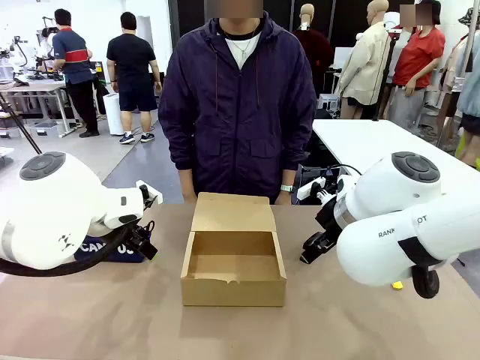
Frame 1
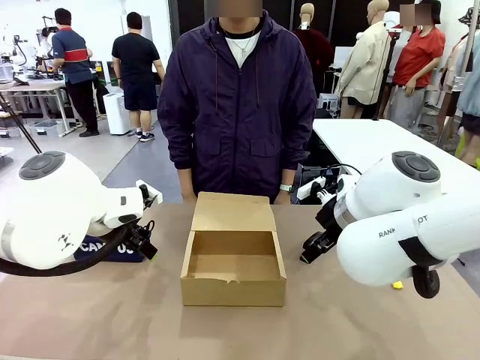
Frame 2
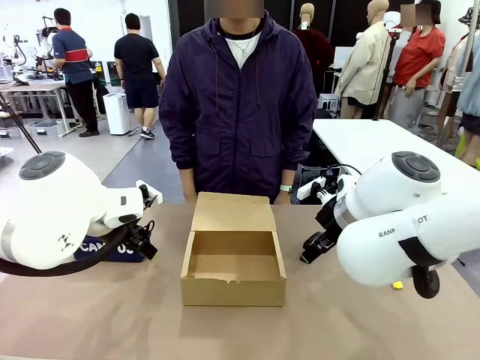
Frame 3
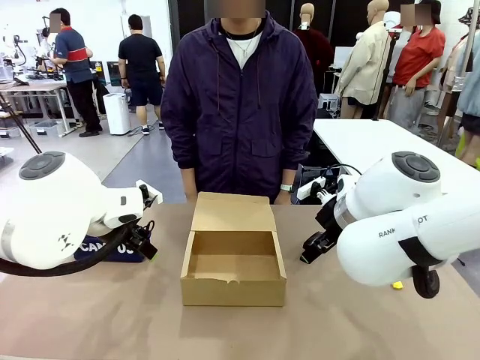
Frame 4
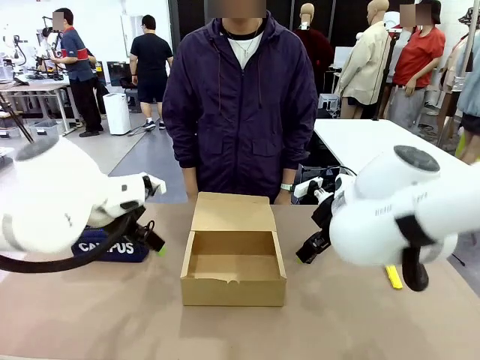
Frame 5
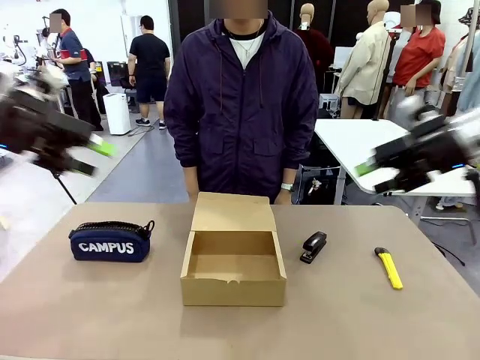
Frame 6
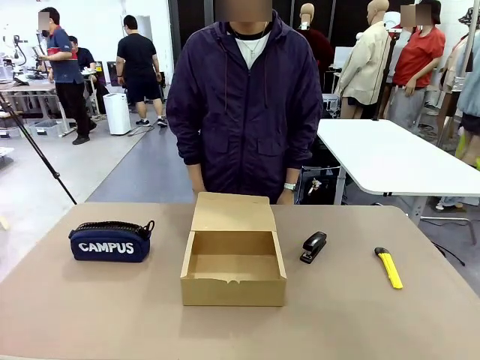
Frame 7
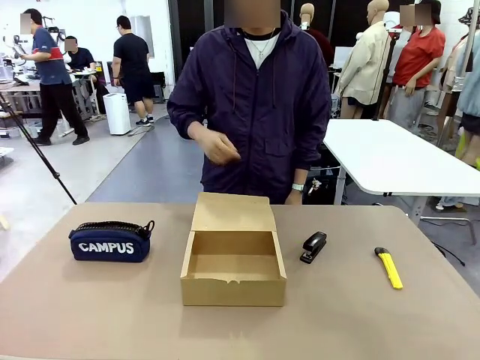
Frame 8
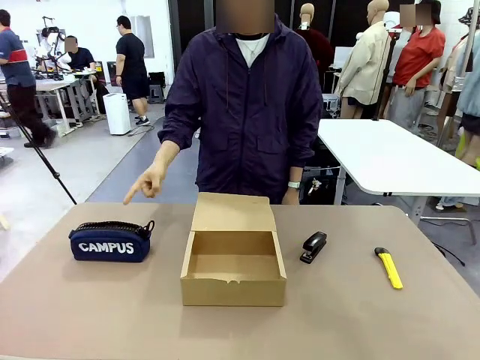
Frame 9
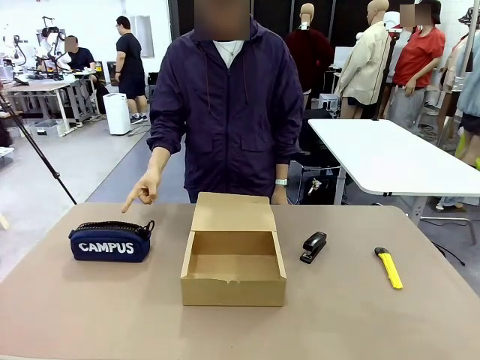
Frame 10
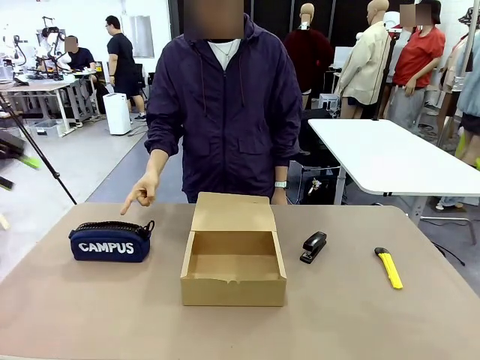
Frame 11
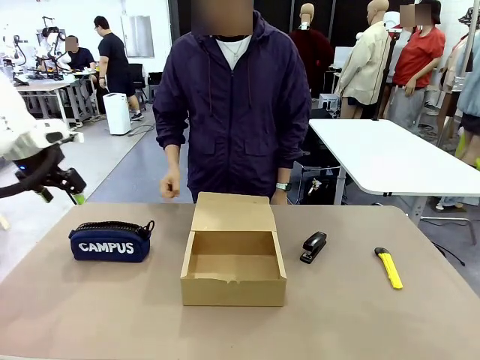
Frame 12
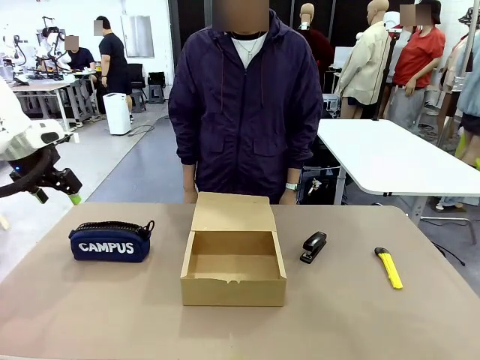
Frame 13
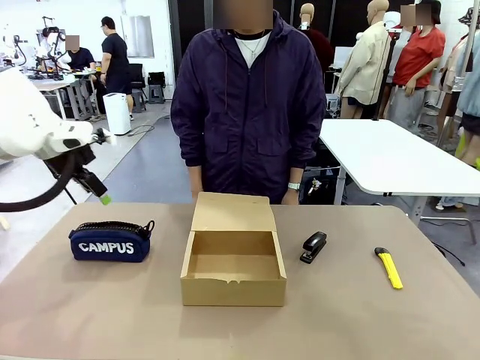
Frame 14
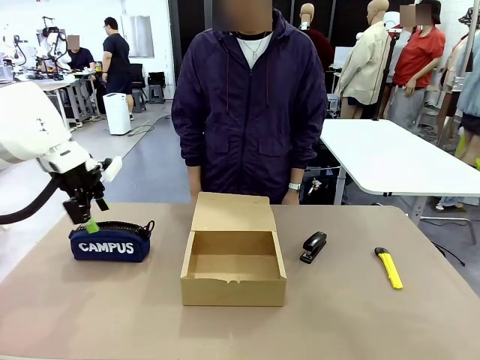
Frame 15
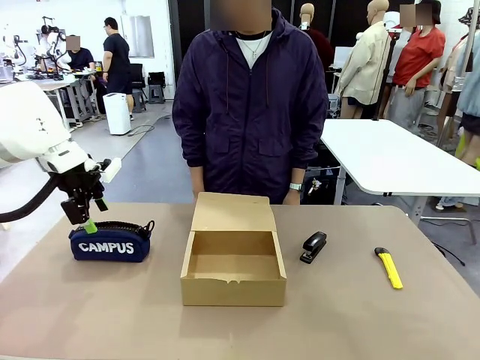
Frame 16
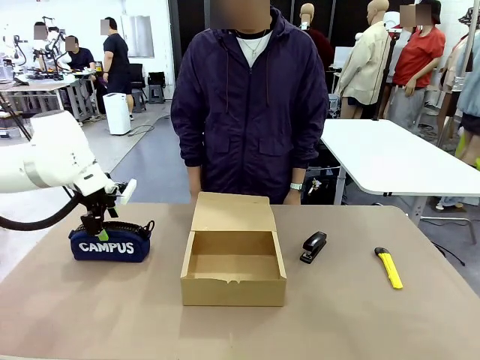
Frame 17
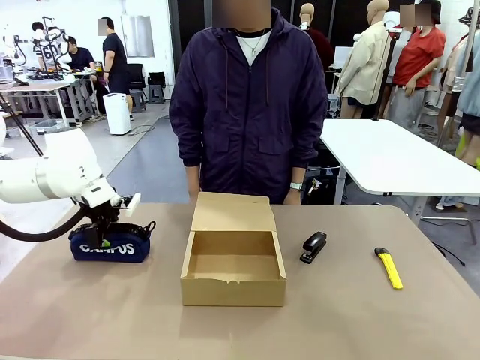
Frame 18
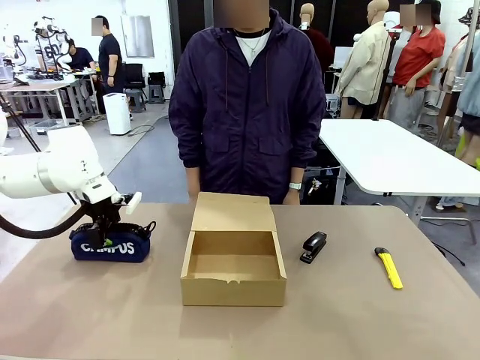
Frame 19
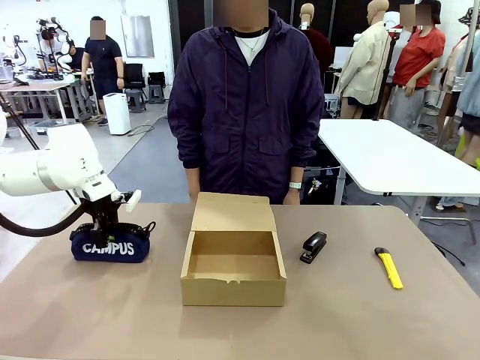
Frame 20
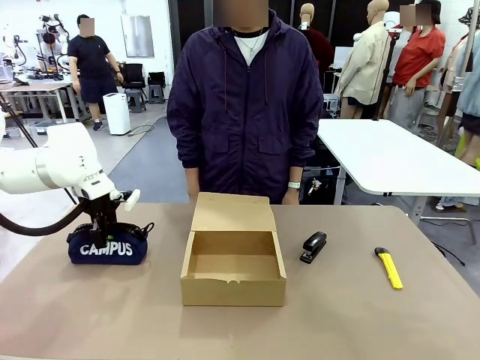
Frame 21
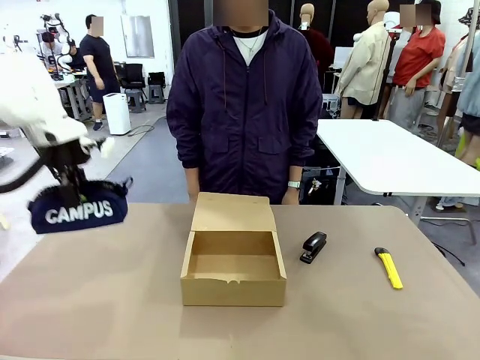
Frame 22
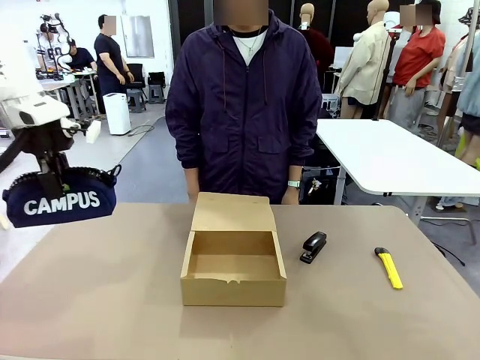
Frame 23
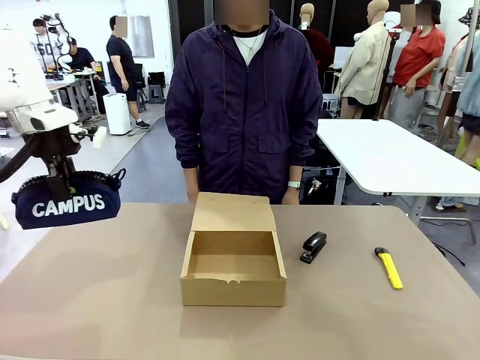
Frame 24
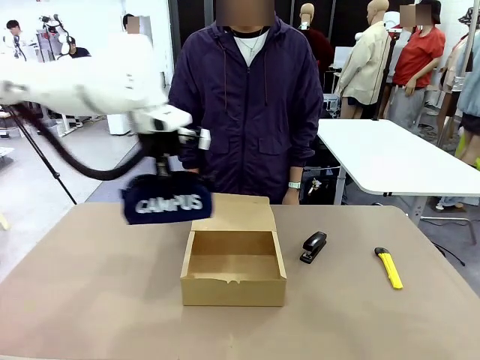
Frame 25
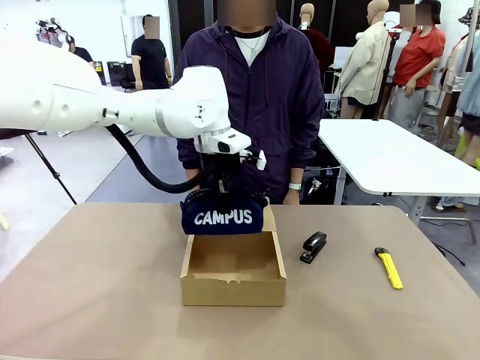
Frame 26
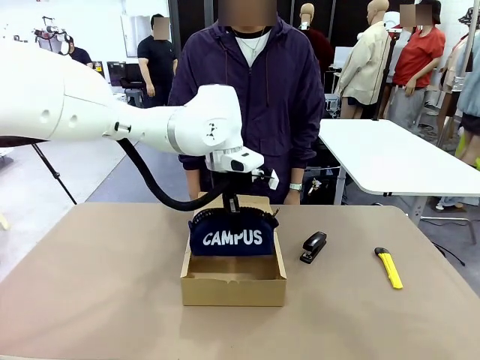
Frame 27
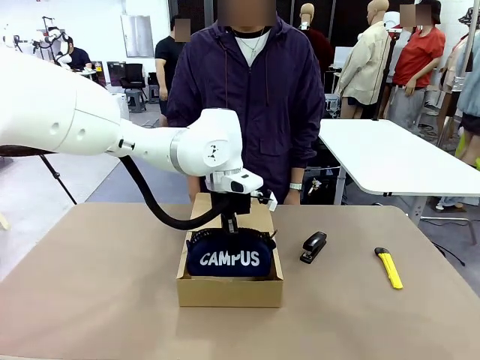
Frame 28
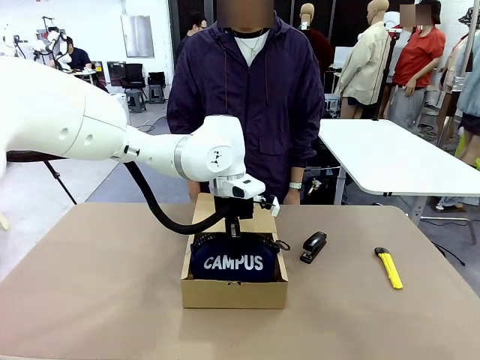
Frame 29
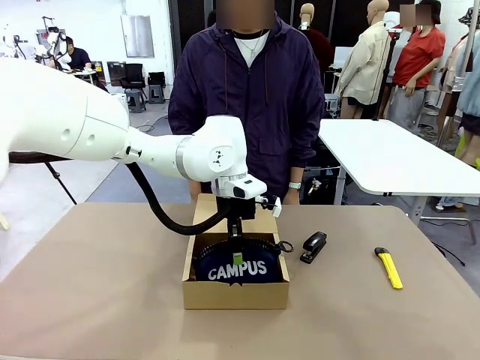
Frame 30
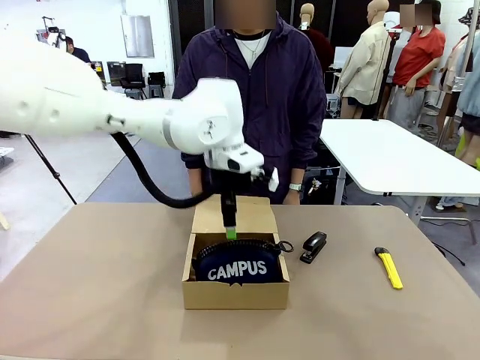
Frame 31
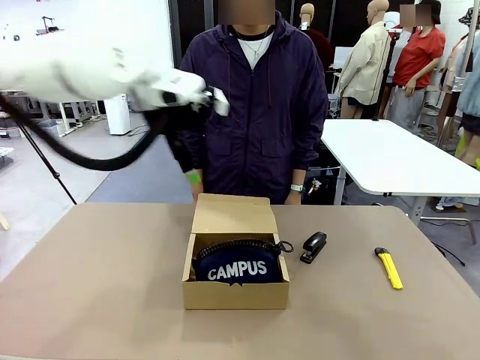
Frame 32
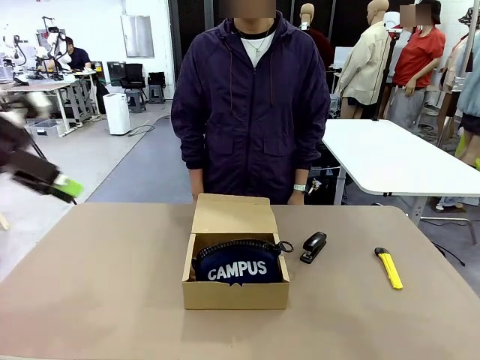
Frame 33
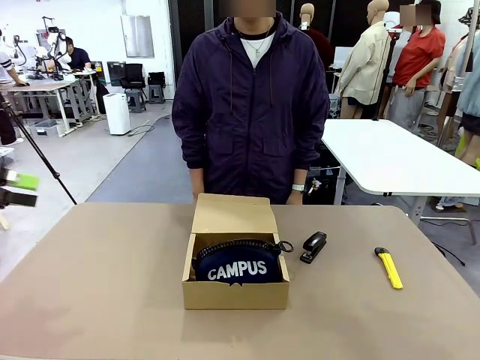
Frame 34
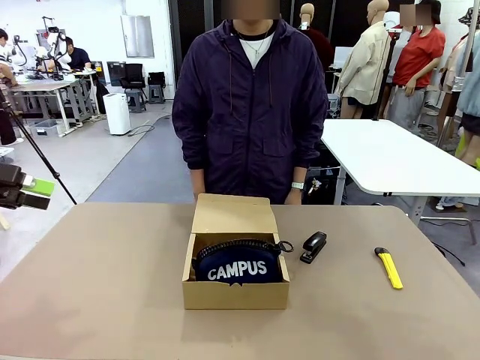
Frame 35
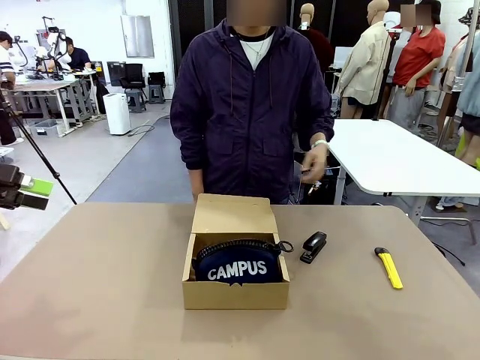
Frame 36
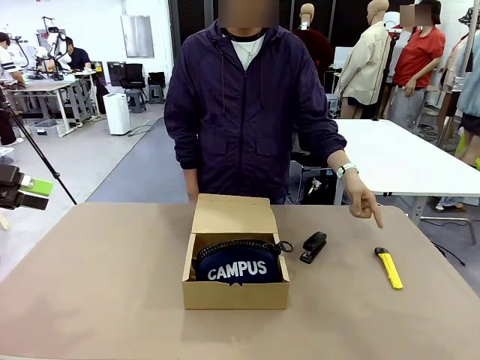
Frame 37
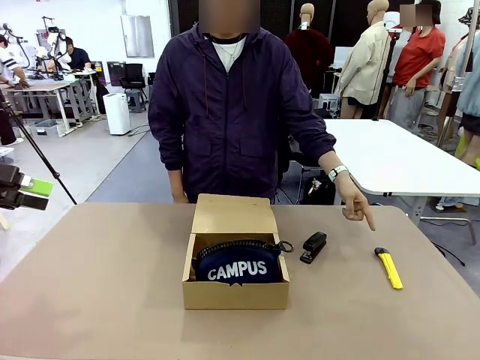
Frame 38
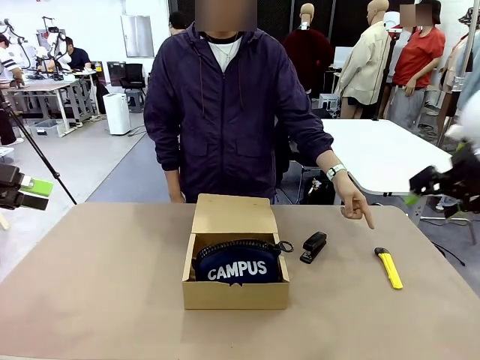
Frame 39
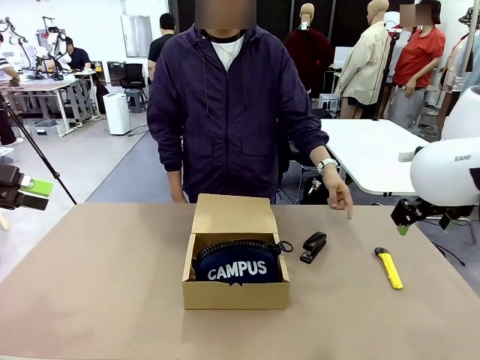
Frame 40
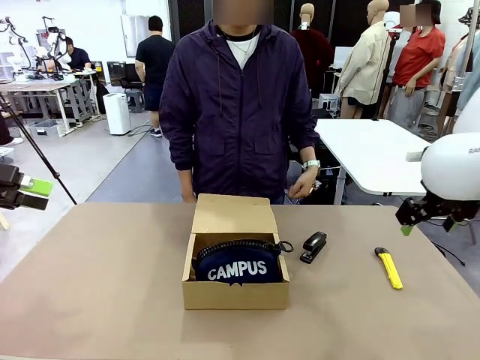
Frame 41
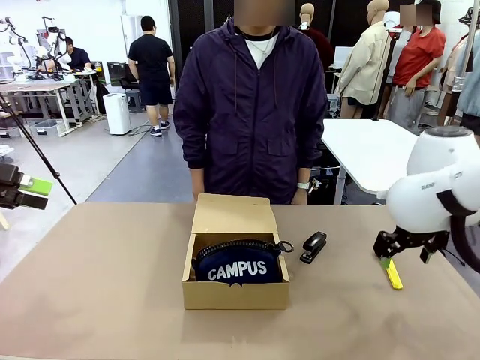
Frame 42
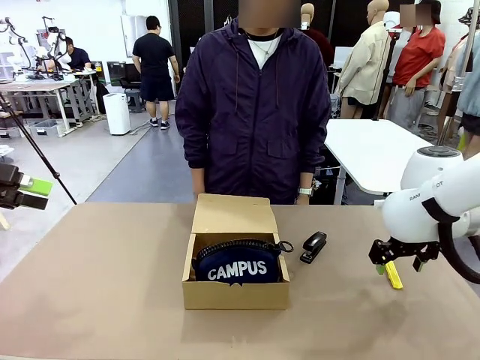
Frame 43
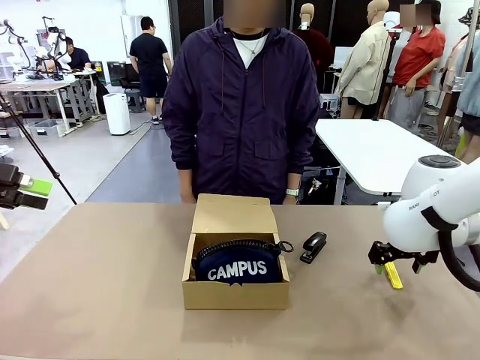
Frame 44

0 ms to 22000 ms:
Task: Pack the items into the box.
Robot: Pick up the item indicated by the person and place it inside the Mailer Box.
Person: Point at one item on the table (excluding the box).
